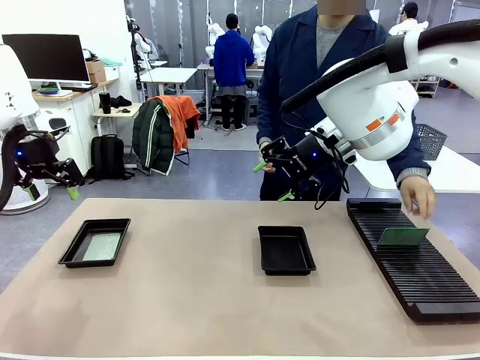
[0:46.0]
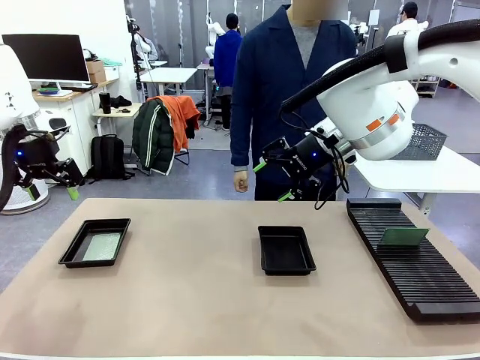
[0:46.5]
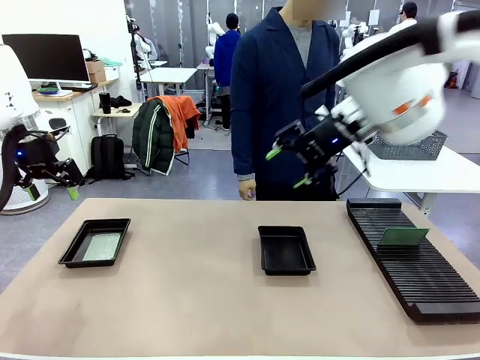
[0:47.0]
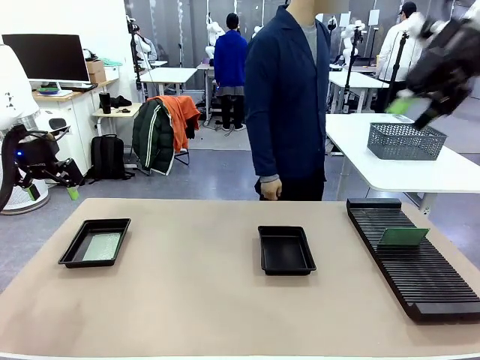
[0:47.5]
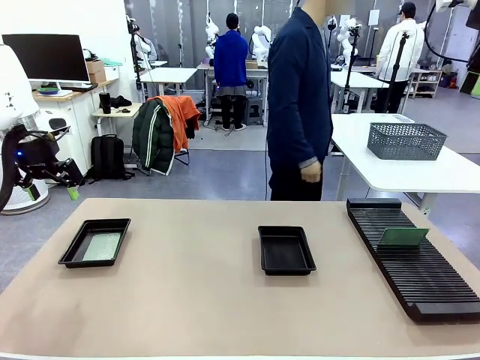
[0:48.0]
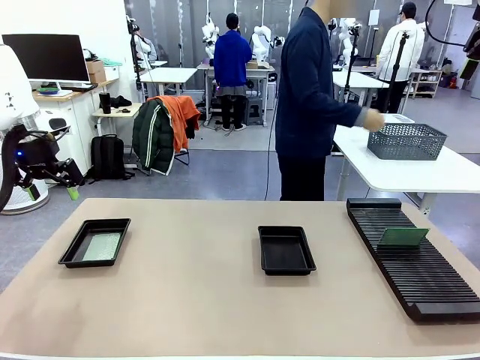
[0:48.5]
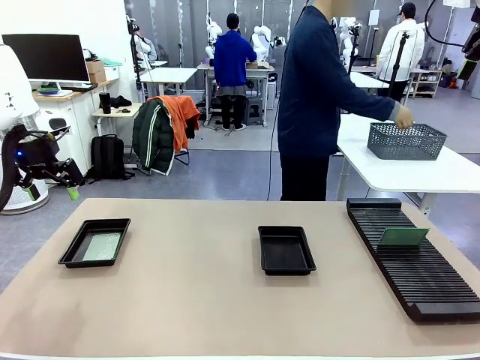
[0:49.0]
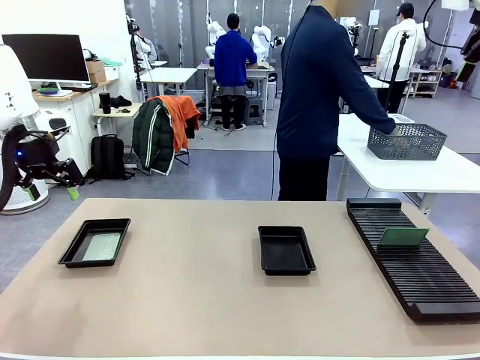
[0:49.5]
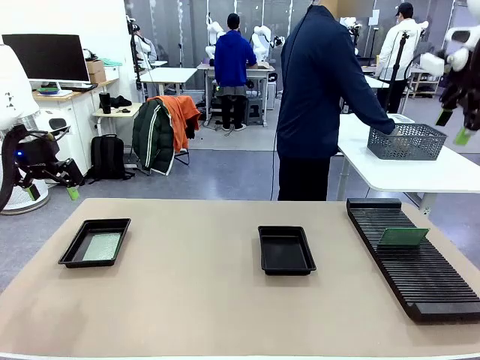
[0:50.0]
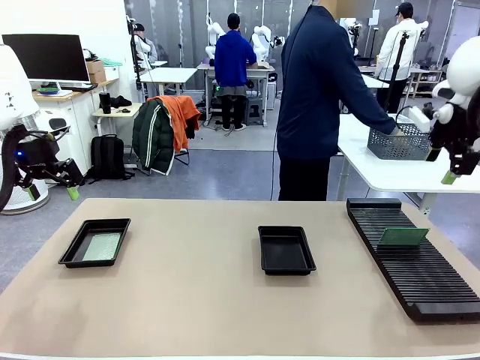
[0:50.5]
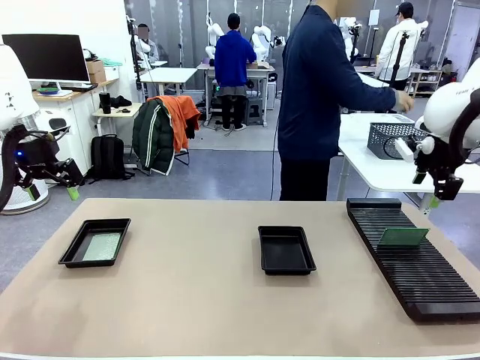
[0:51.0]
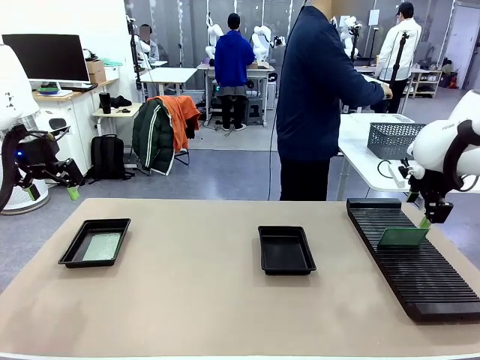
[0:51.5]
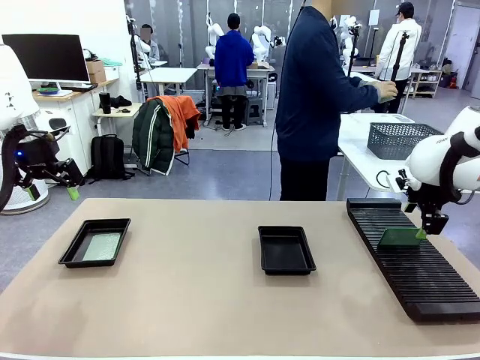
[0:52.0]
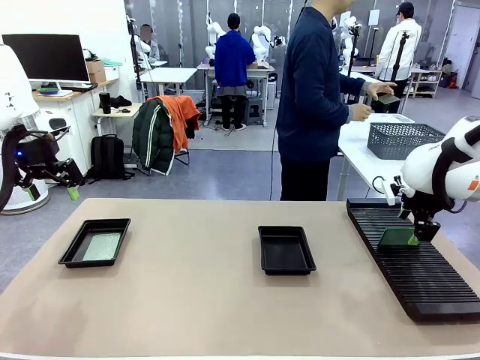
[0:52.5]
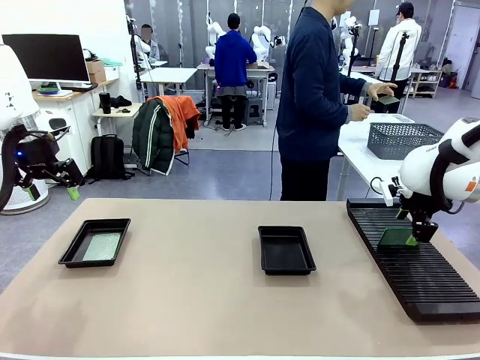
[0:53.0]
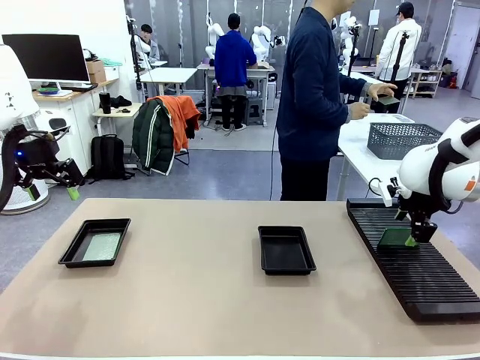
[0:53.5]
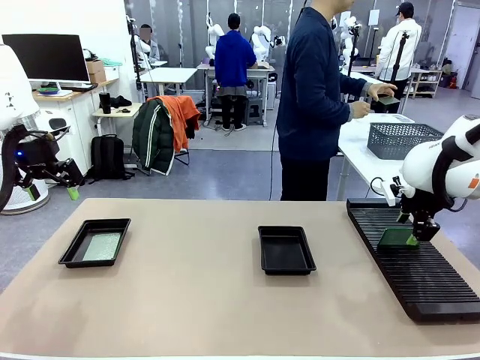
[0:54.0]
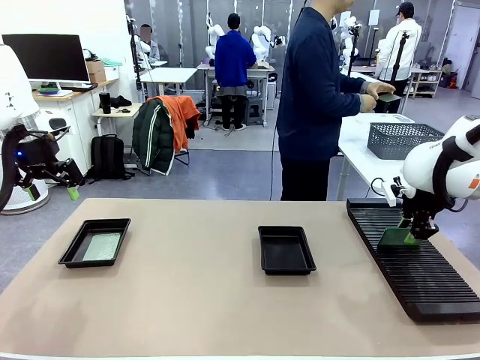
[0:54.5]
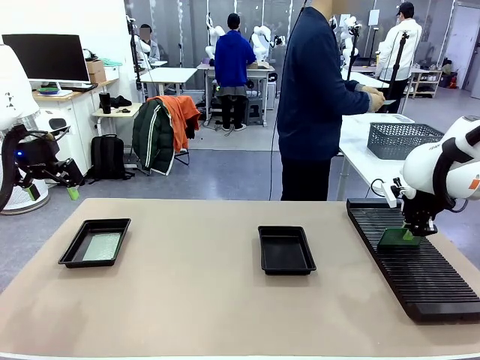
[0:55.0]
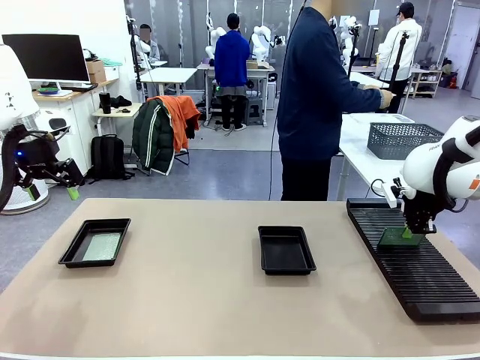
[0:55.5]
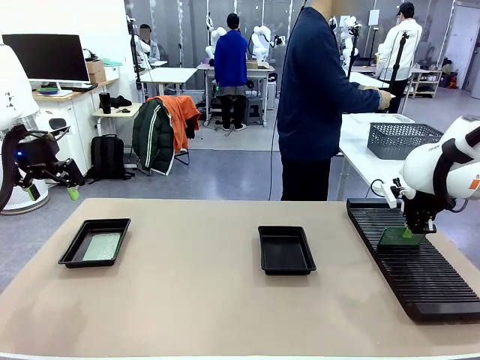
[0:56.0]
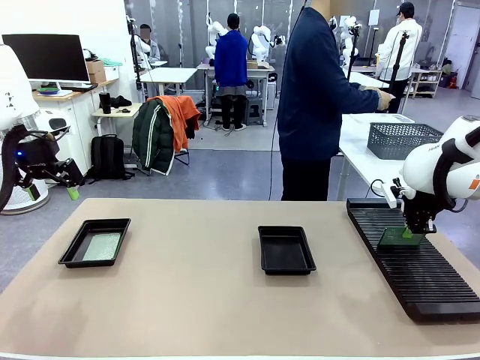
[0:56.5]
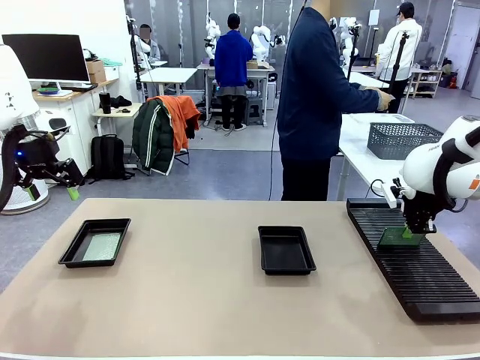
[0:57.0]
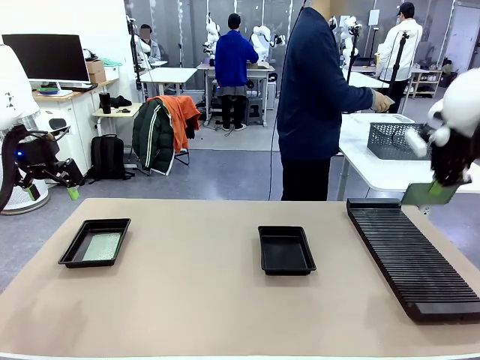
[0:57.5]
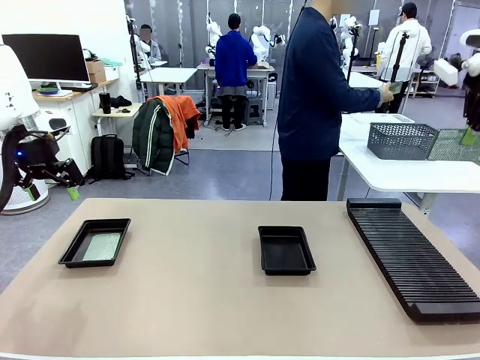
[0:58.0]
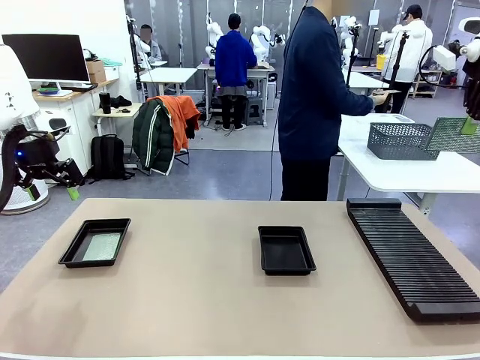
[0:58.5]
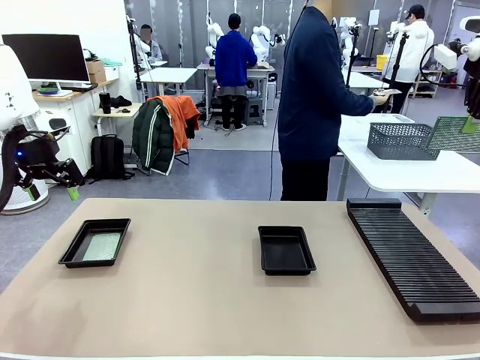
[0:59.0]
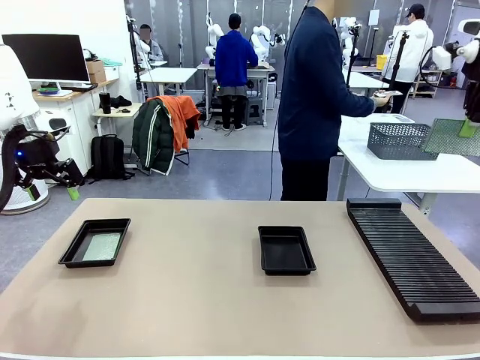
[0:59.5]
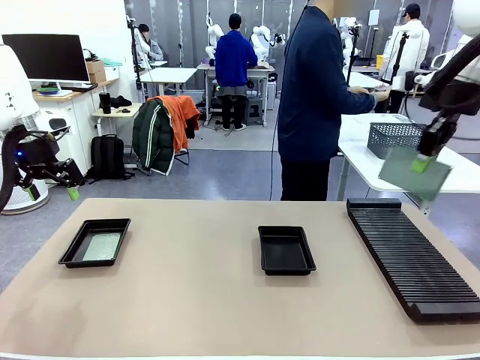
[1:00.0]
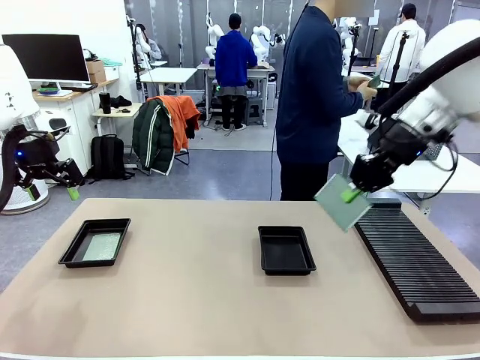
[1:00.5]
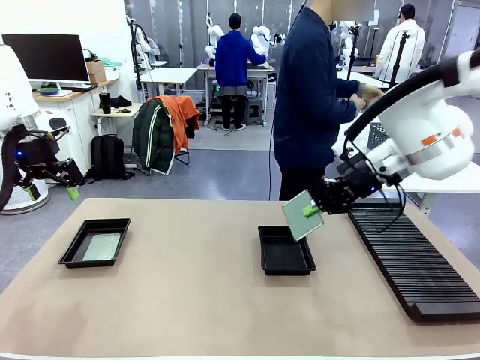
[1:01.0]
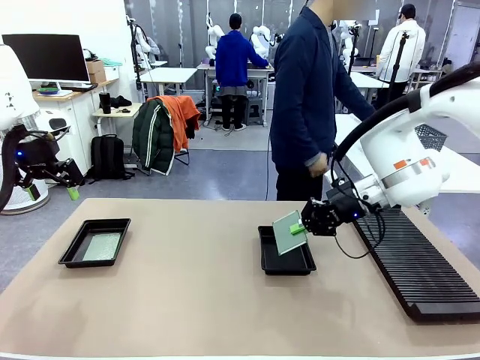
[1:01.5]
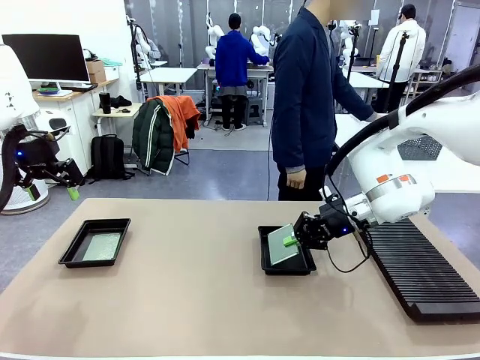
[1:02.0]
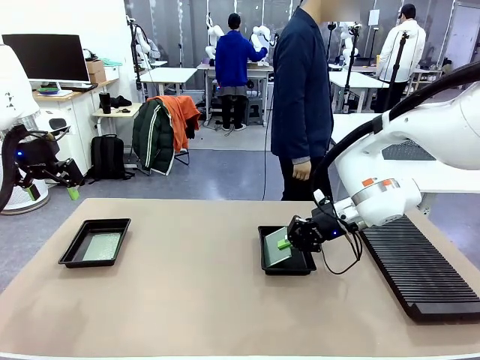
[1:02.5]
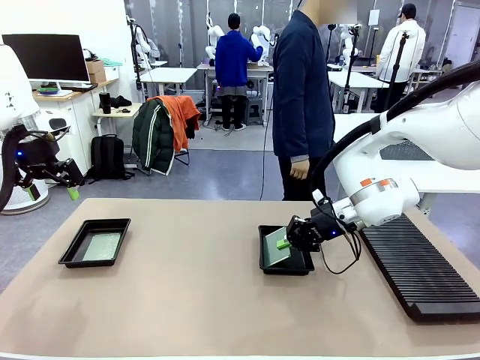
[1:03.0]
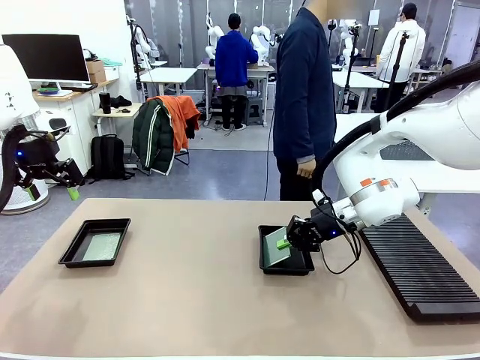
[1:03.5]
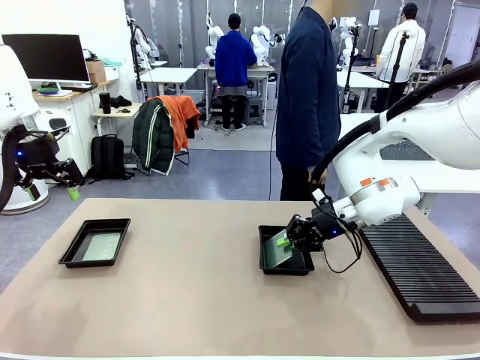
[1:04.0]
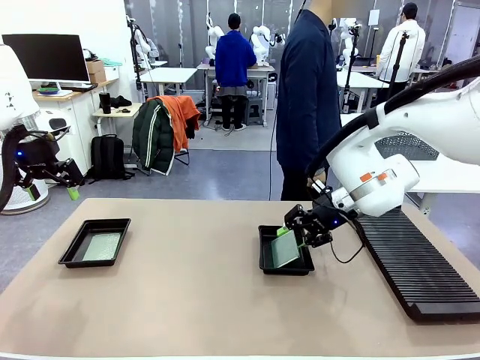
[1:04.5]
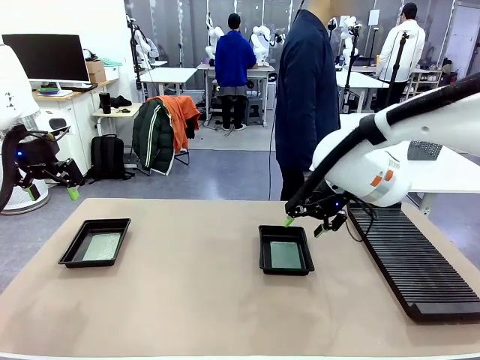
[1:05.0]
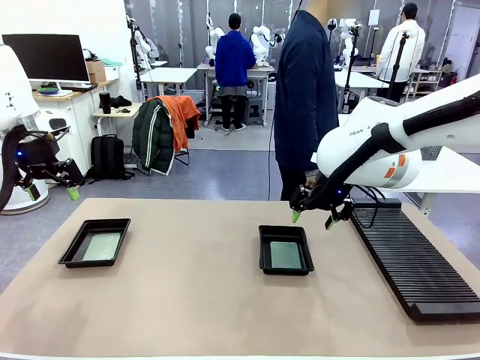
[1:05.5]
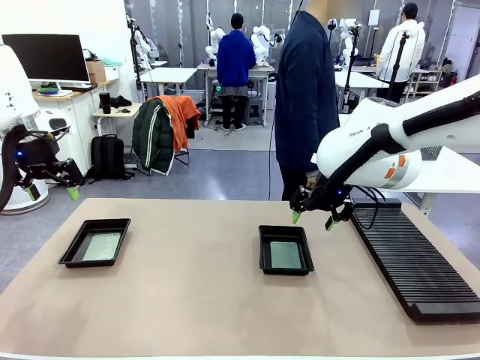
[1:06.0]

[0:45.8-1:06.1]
Task: Inspect and transfer BCBs to ESD trays.
Robot: Pick up the Blank PCB from the PCB Rack and place it in the right ESD tray.
